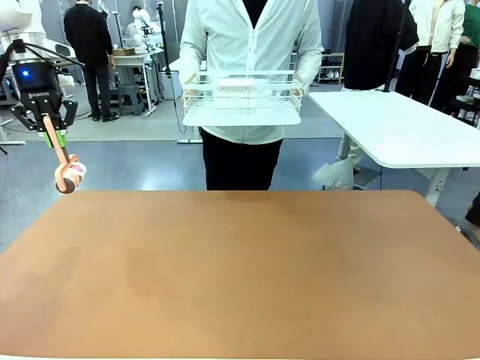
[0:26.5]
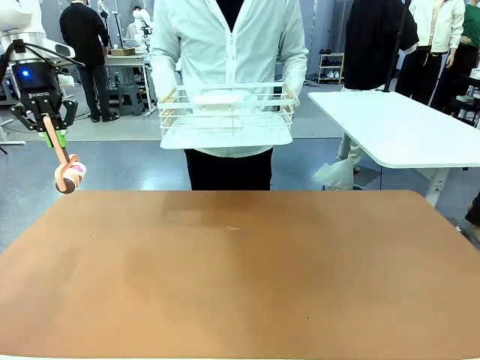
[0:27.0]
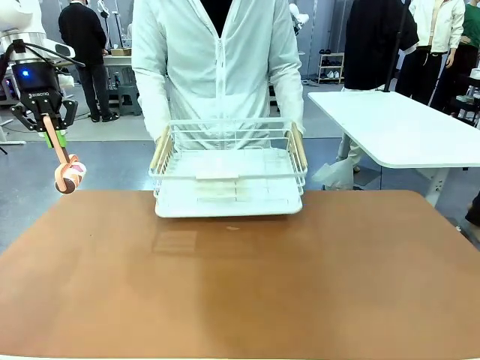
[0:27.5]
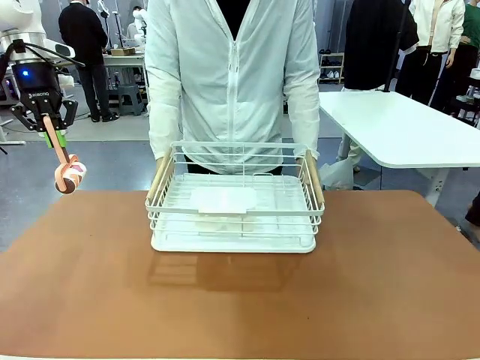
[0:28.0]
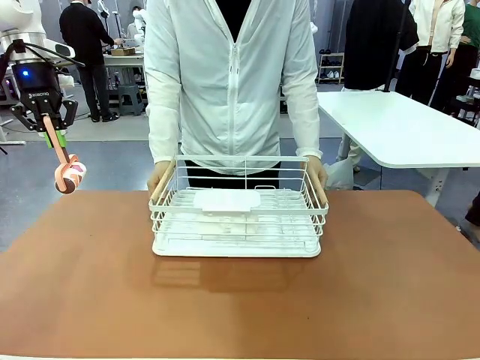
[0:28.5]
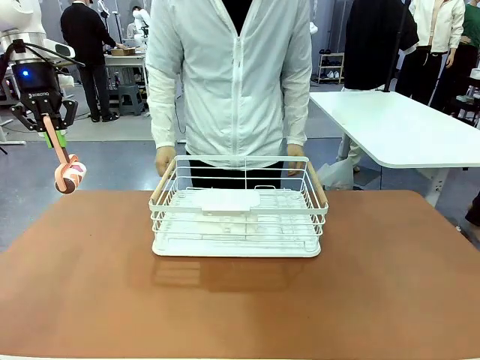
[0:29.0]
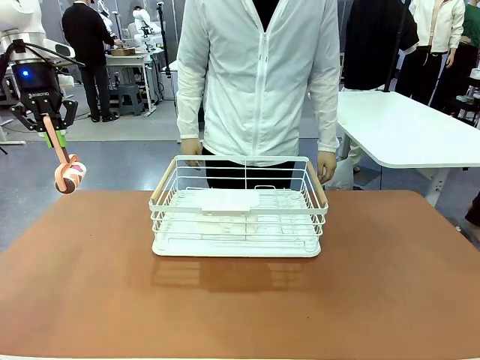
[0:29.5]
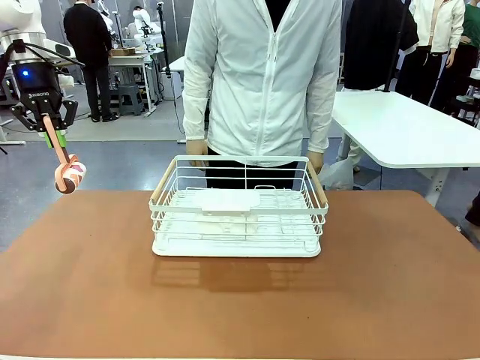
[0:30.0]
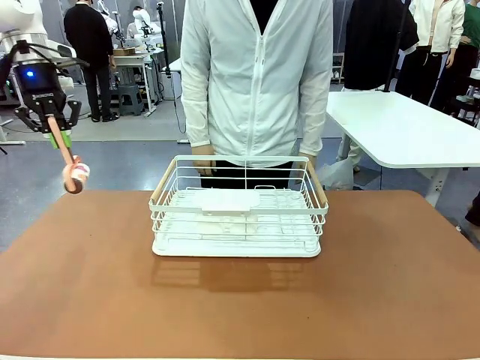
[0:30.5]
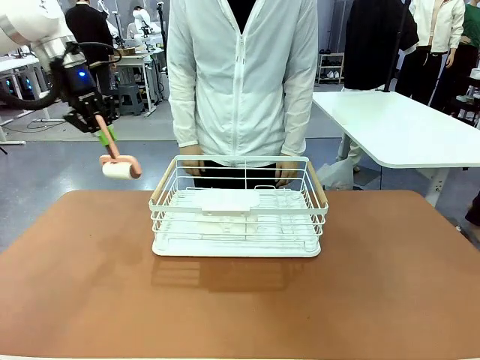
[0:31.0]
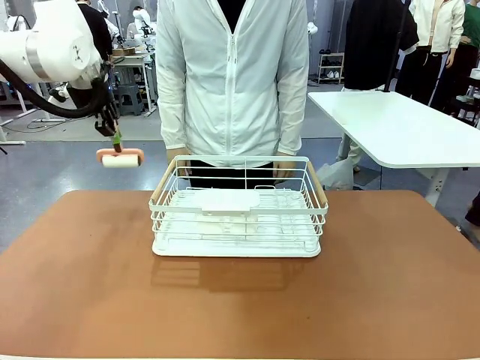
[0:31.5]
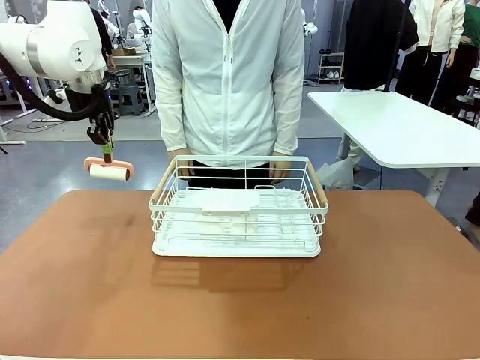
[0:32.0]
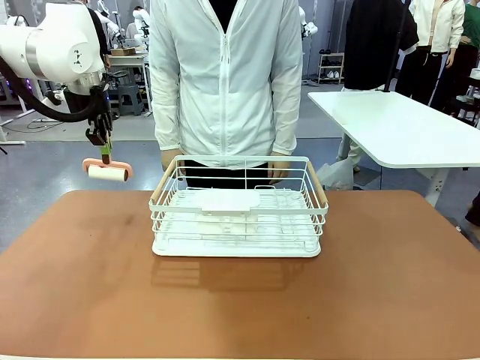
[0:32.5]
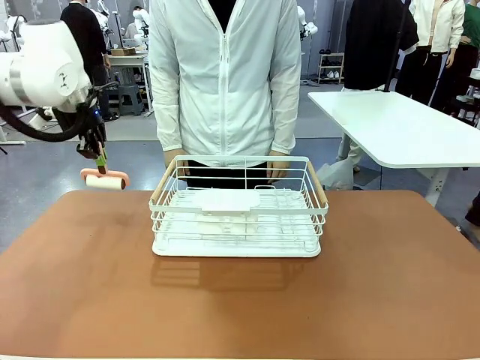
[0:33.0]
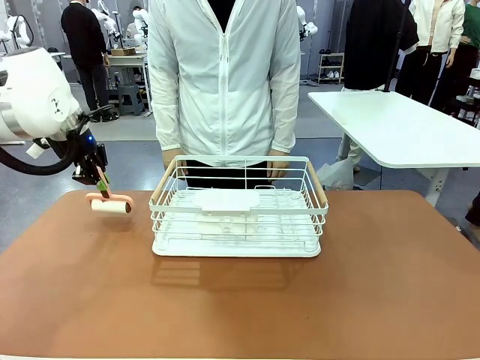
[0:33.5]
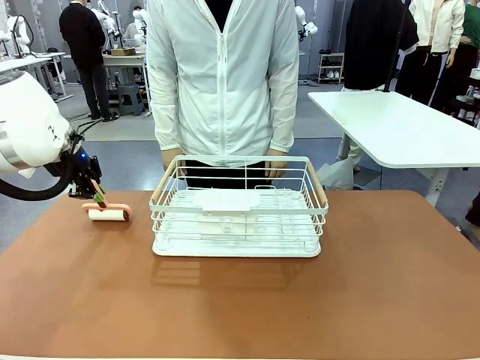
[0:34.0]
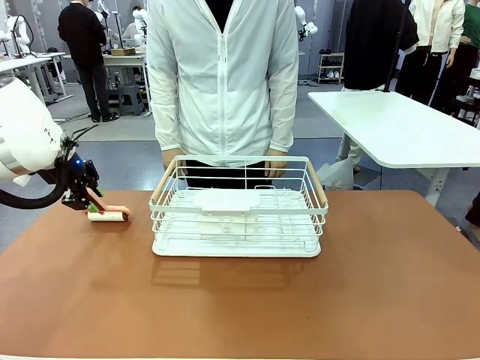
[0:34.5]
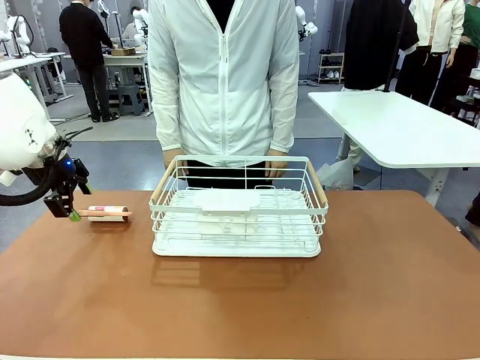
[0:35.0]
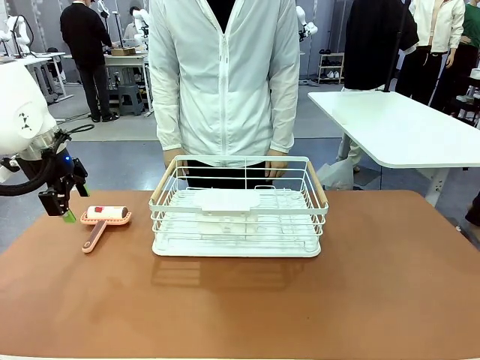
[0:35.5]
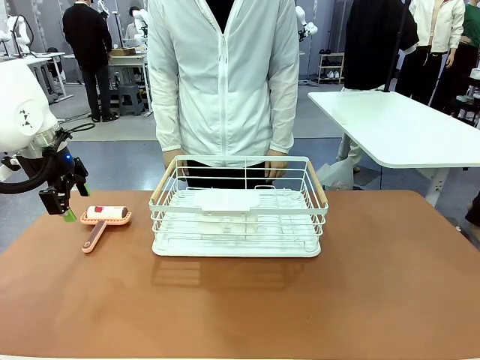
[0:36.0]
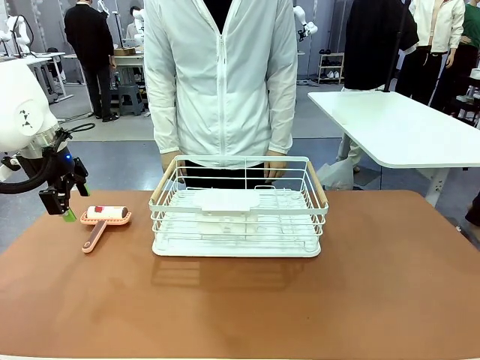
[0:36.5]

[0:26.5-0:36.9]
Task: Clean the table.
Robot: Place the Lint Roller down when the Dish drying rack is positioned in the middle of the table.

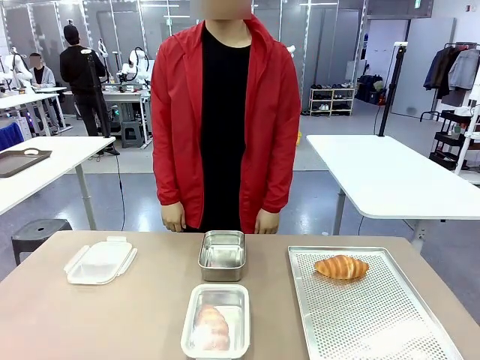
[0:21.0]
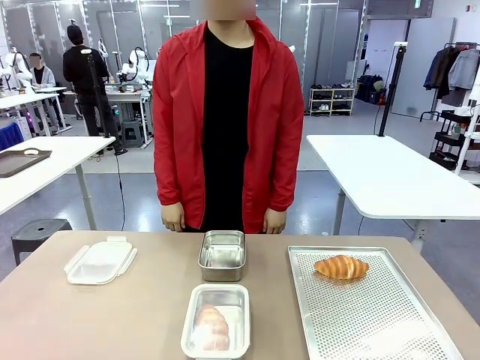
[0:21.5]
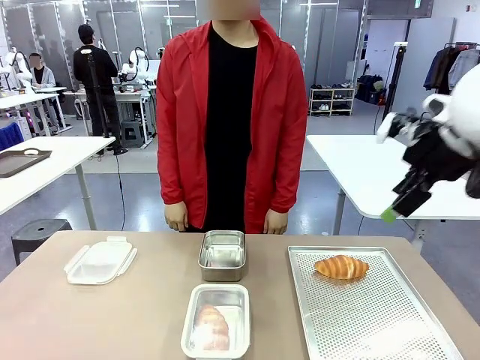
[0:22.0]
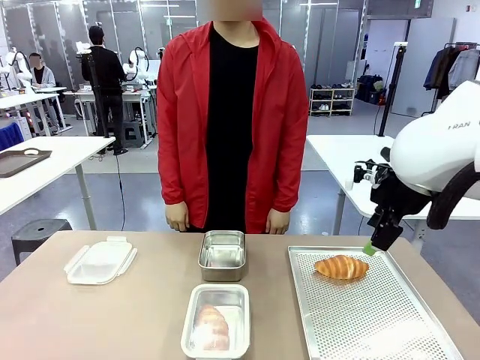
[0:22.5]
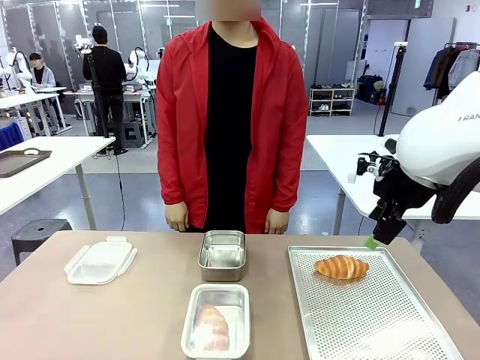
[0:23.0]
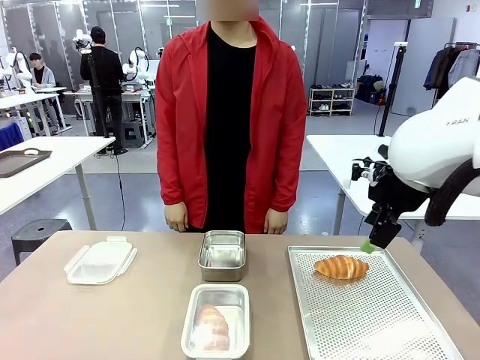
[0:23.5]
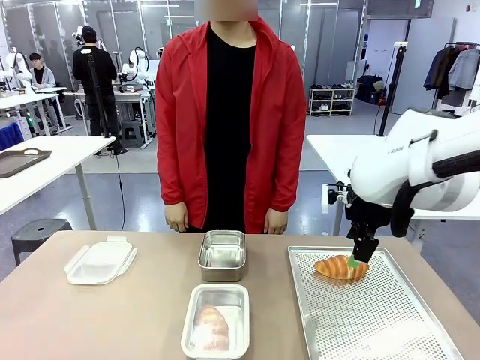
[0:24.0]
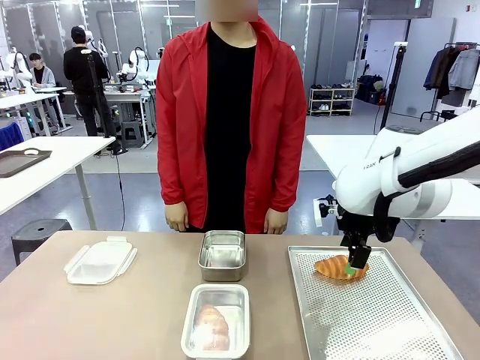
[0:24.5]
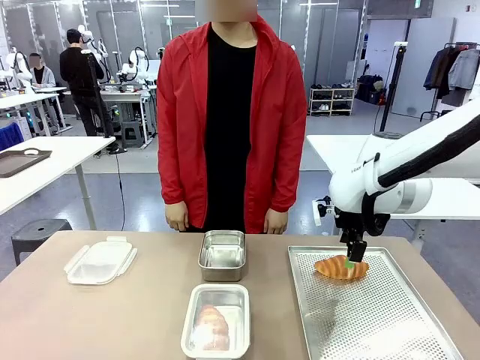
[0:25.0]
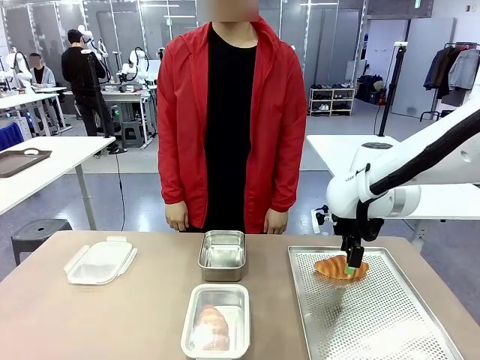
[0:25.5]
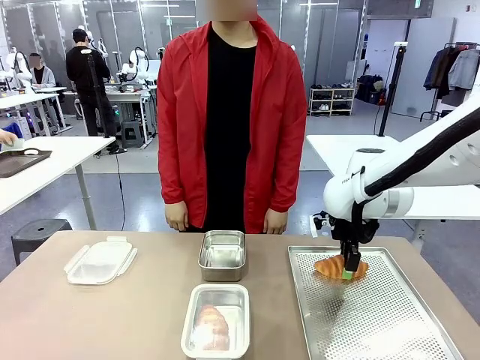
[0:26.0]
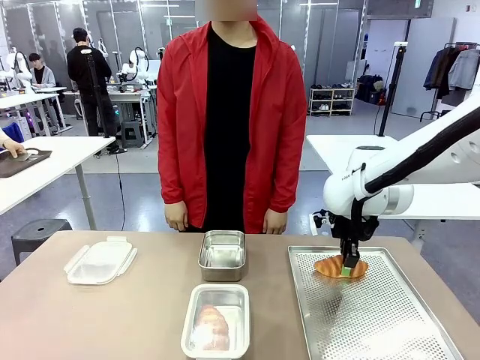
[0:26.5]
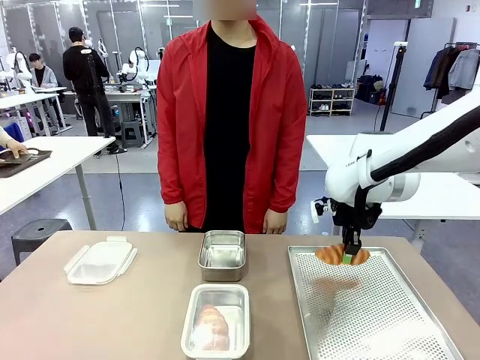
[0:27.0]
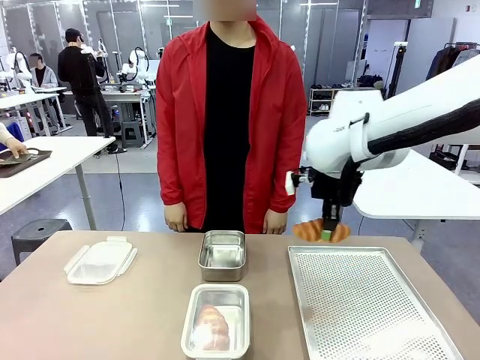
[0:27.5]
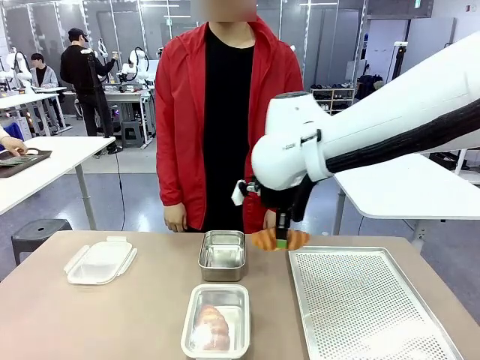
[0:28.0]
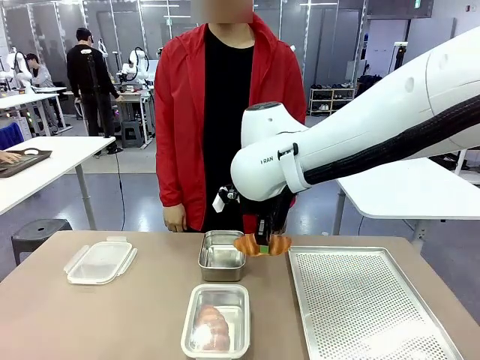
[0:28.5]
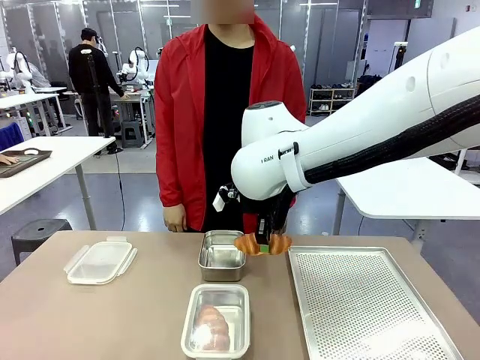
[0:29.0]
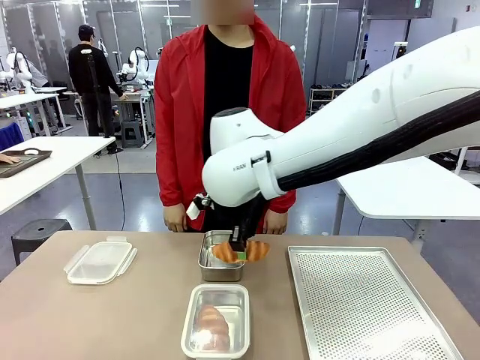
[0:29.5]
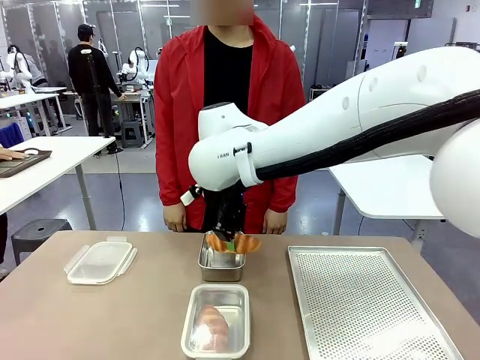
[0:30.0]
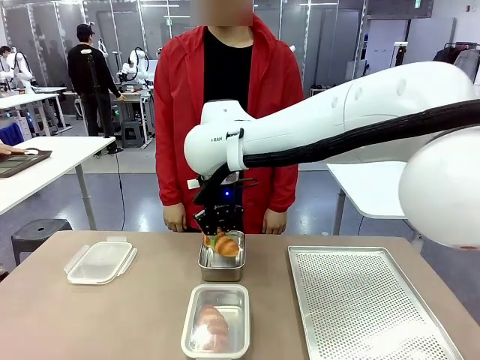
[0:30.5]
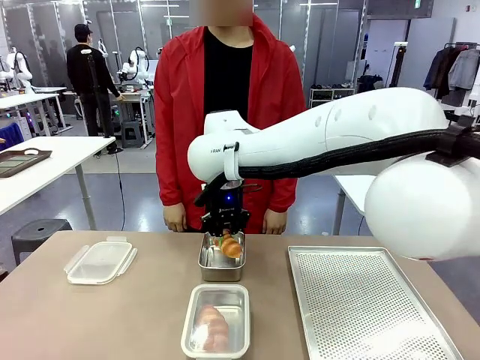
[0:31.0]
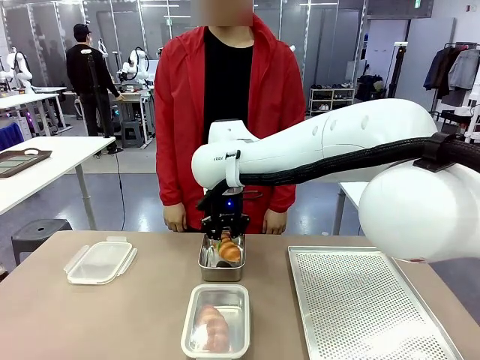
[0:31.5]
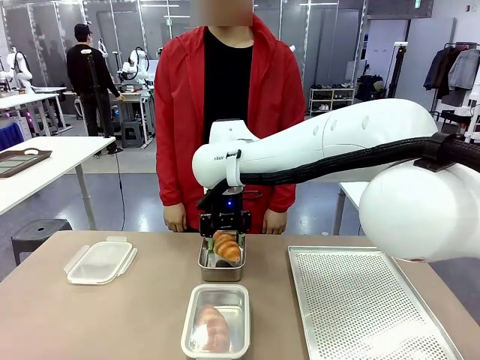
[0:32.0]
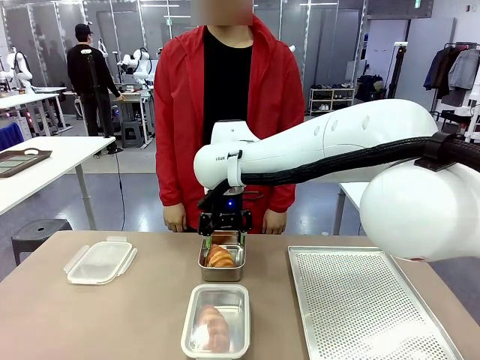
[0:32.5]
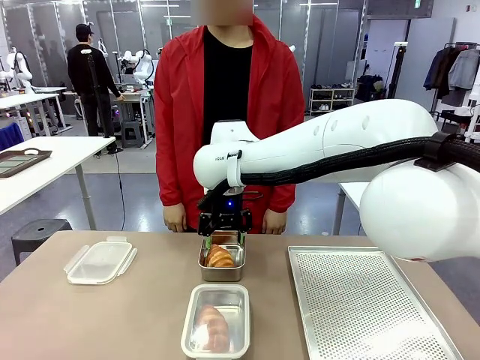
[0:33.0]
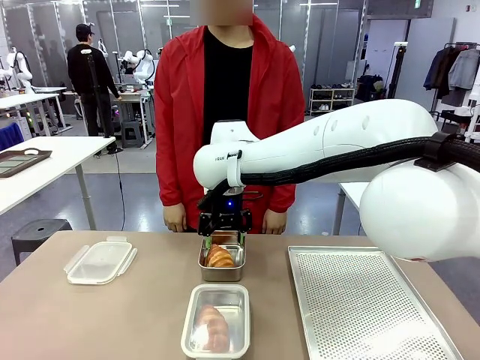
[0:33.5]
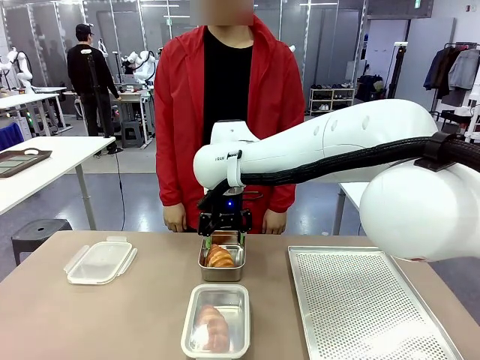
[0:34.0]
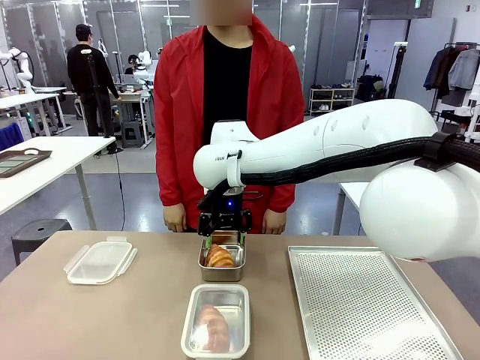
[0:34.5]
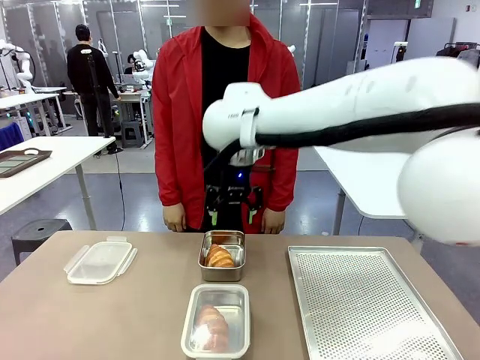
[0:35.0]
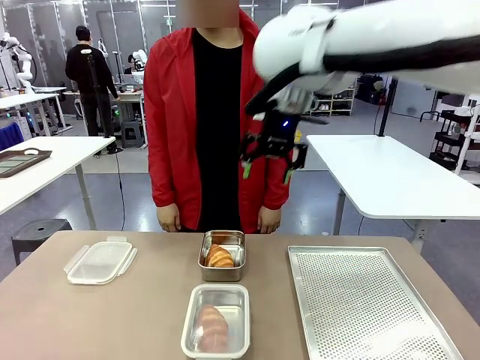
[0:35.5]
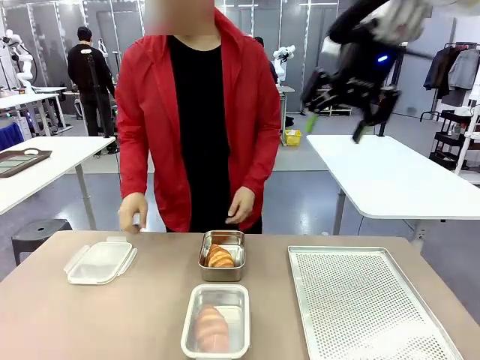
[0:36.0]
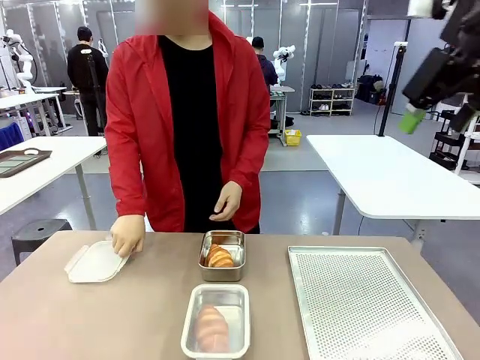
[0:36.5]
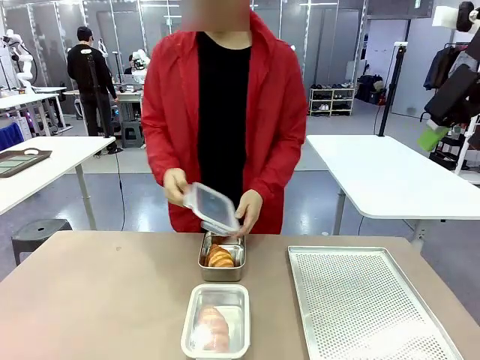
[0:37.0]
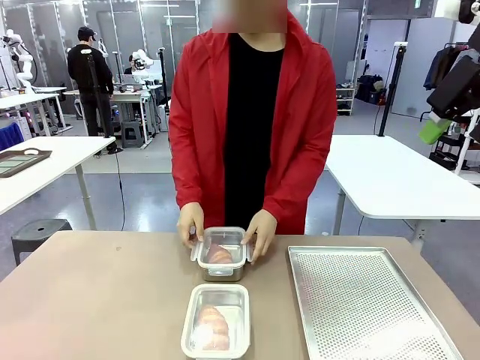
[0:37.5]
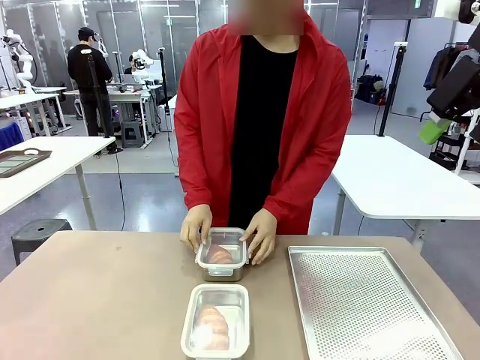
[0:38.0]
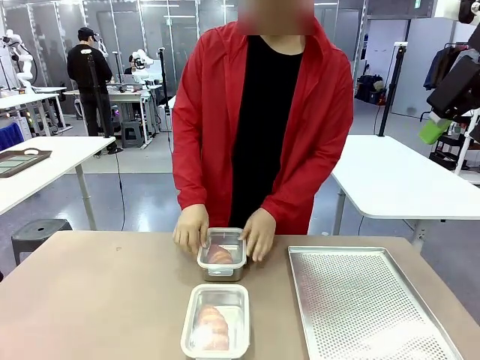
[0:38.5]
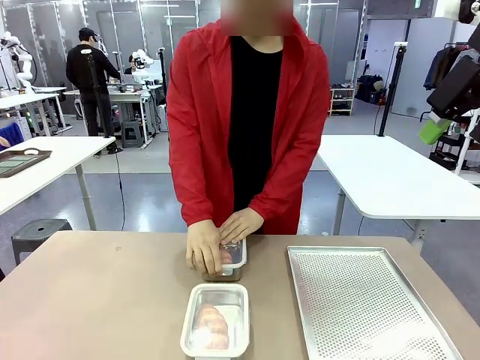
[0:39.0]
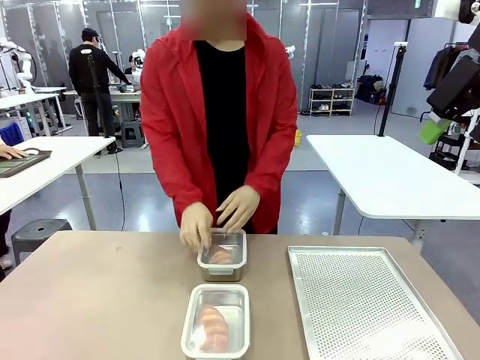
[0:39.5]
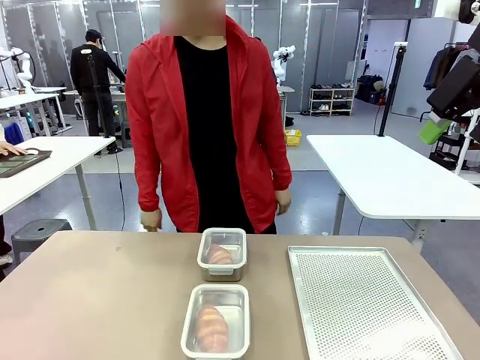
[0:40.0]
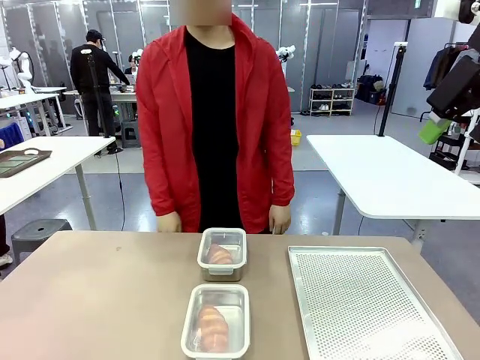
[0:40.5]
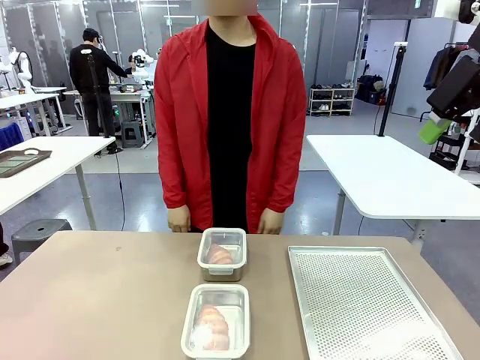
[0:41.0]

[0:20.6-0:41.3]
Task: Place the bread into the airtight container.
Robot: Pick up a Butter Roll and place it into an empty Airtight Container.
Person: Once a Butter Roll is inside an Airtight Container , close the lid of that Airtight Container.
